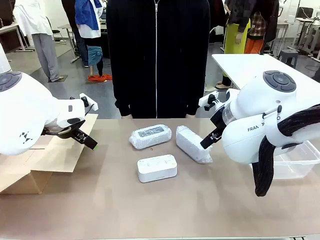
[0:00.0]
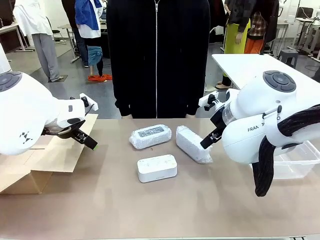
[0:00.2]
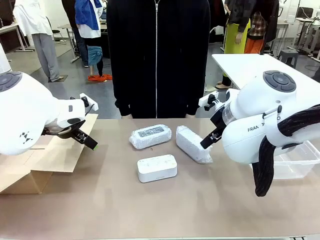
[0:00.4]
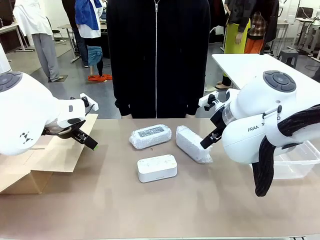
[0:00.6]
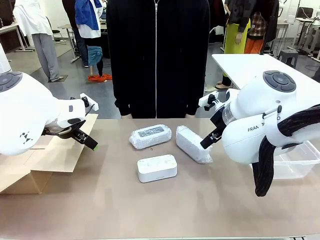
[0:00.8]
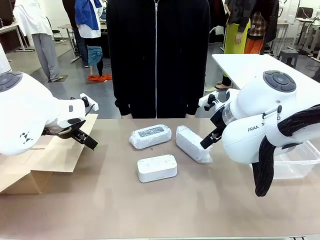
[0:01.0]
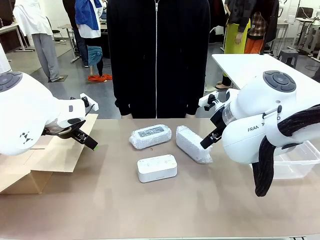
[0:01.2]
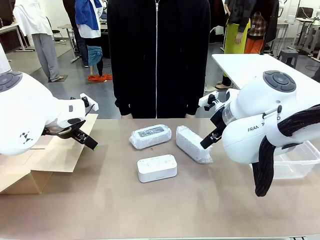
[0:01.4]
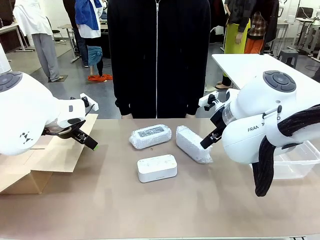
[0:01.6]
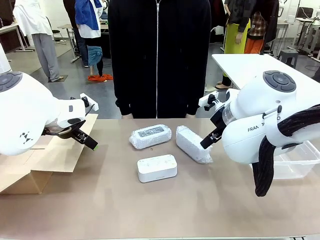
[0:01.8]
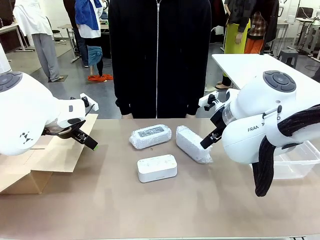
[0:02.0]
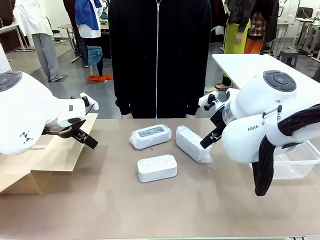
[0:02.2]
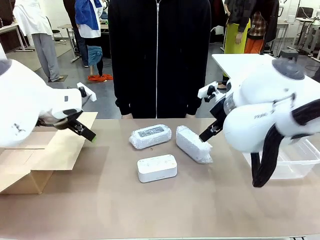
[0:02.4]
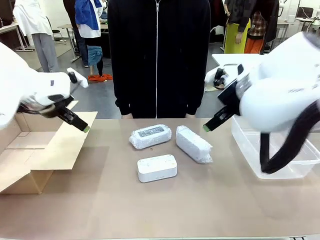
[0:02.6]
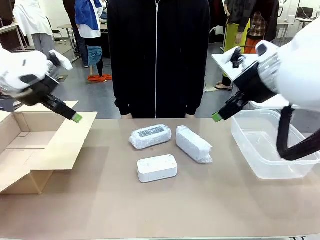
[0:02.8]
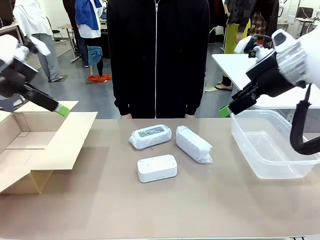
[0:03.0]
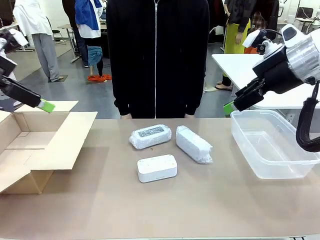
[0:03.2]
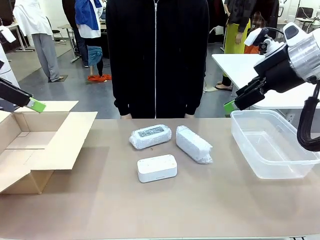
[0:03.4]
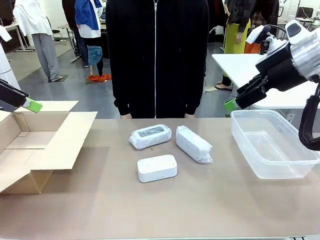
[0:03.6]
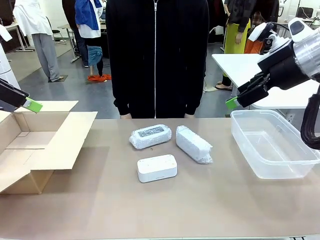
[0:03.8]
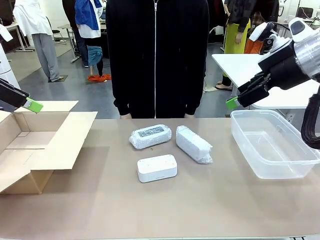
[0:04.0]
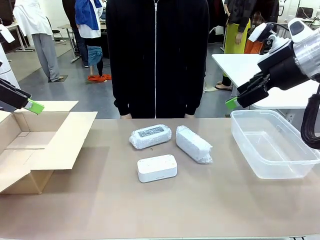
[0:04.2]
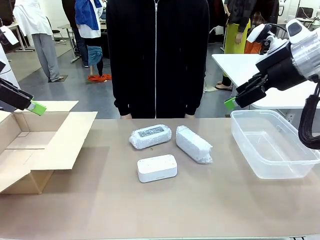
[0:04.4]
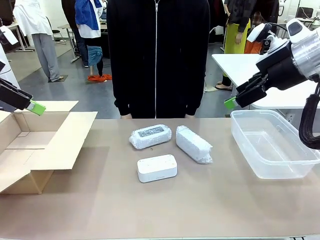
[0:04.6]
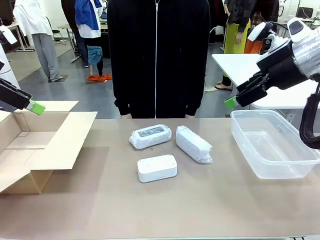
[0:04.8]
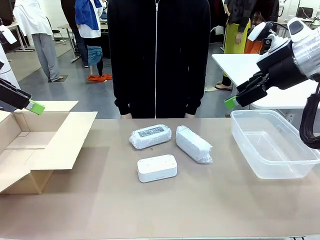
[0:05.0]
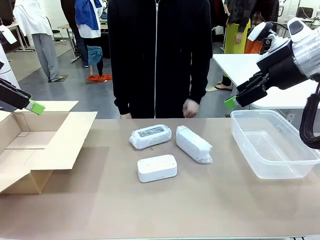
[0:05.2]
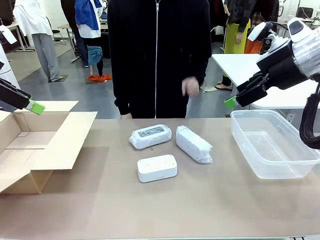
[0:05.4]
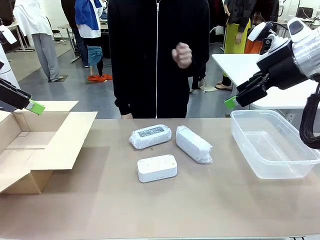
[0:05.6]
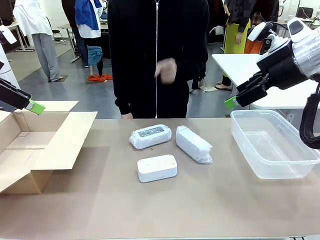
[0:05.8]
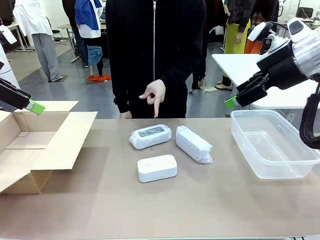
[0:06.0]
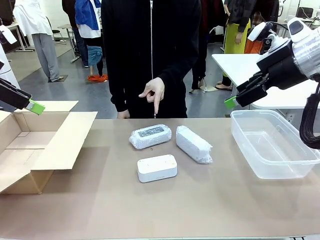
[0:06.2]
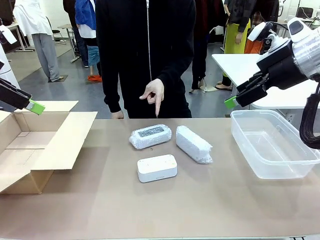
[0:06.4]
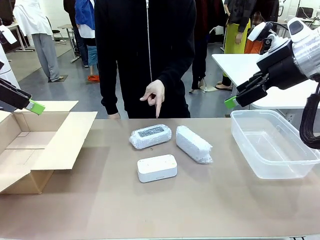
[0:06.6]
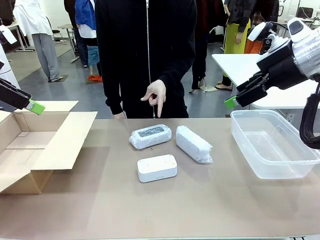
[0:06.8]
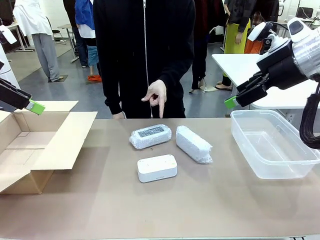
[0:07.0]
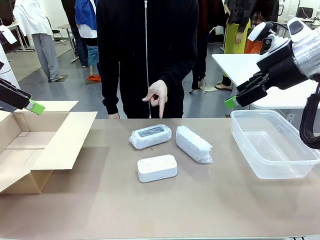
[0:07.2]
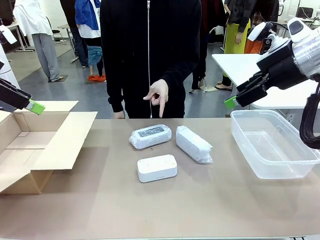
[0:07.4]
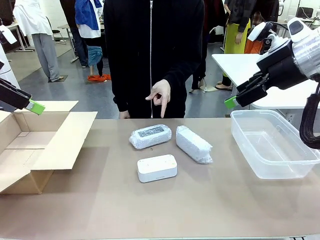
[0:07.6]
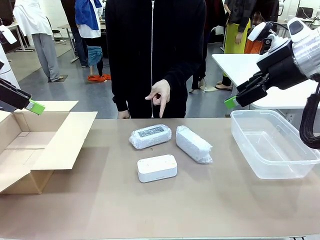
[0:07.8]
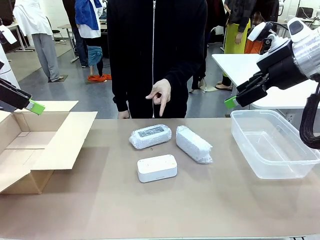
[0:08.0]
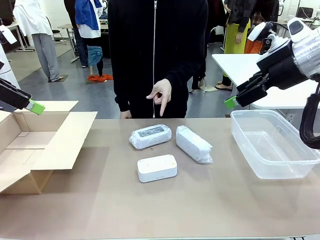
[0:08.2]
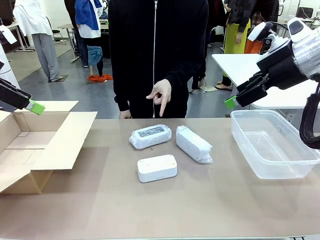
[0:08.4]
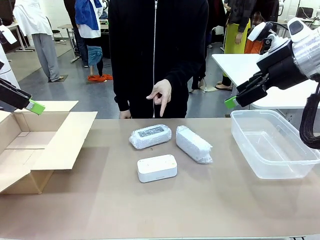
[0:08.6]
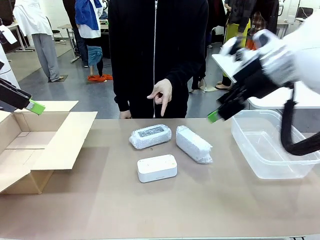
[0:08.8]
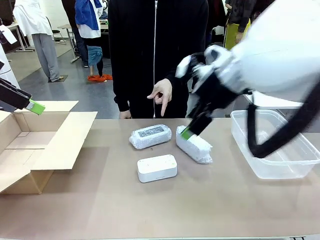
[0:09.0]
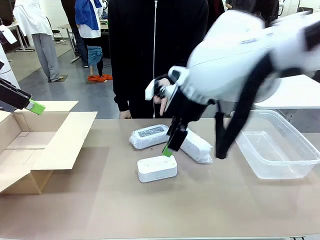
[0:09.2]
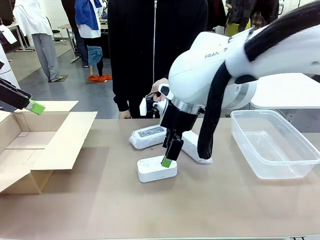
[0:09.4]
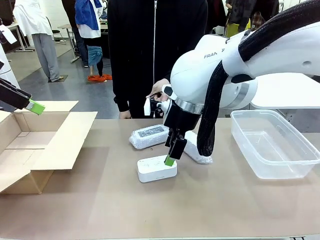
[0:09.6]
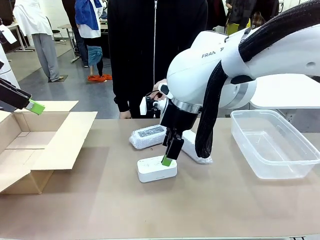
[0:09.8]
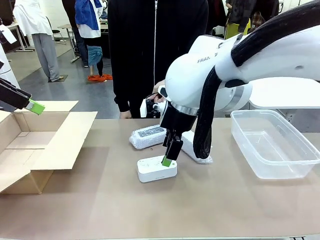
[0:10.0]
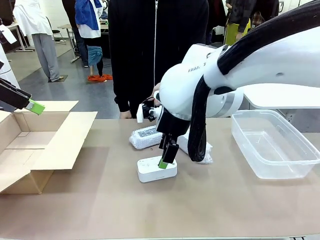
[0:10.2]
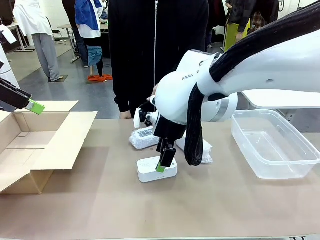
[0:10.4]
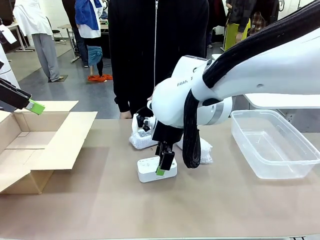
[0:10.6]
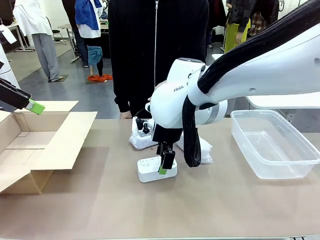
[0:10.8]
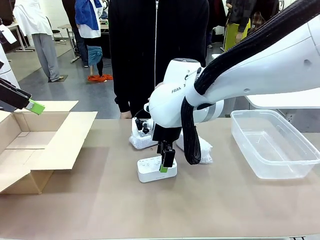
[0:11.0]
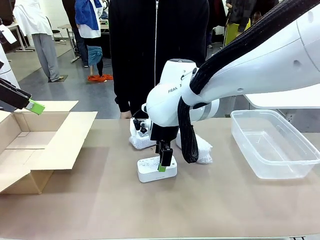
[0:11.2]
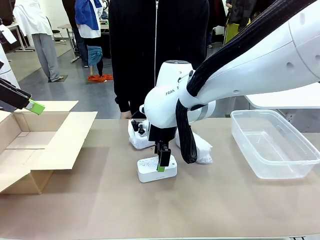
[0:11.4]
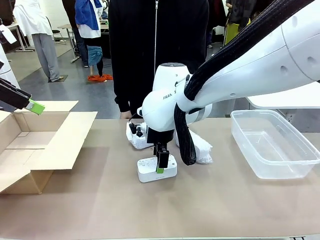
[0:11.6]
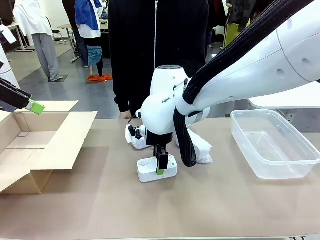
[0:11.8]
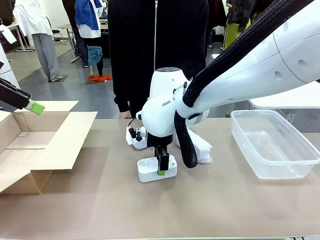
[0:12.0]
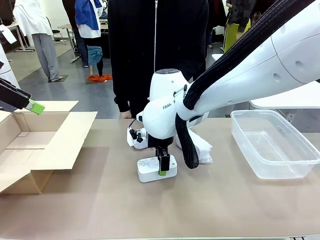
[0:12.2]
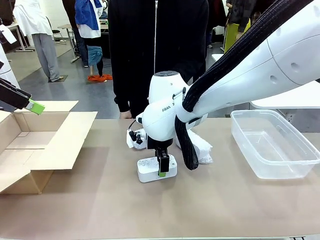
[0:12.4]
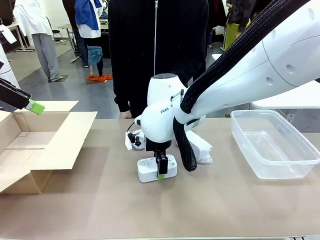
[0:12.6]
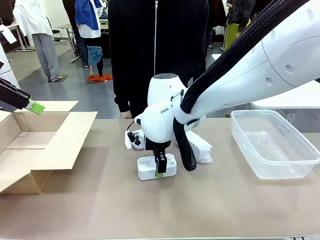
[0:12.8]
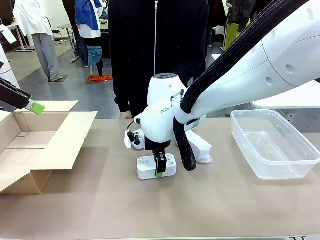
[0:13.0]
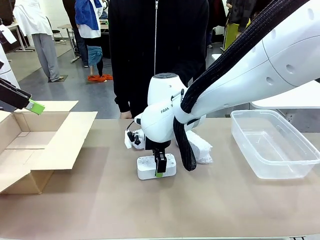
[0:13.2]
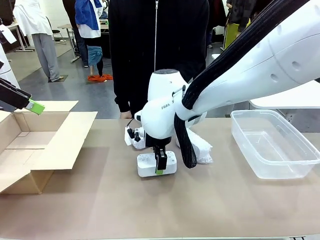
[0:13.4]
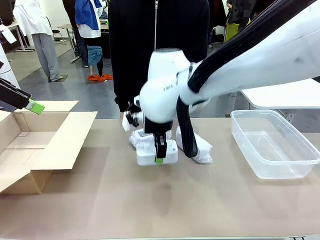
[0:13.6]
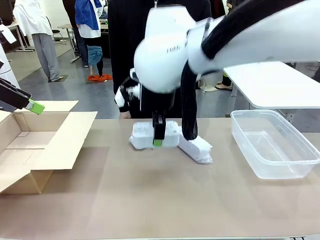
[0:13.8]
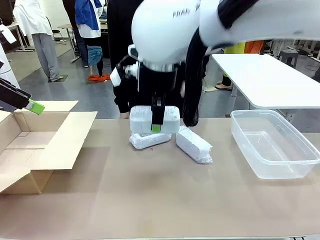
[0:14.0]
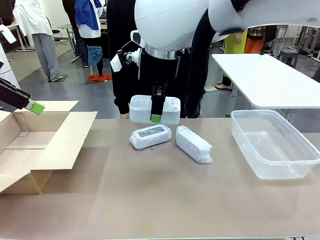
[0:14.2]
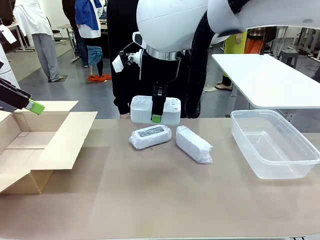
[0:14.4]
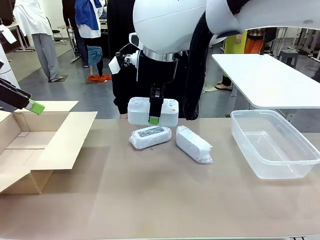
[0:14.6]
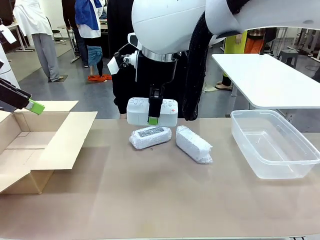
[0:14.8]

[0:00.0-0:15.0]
Task: Separate and place wrapped and unwrapped clocks.
Robot: Pick up the Digital clock indicated by the person.

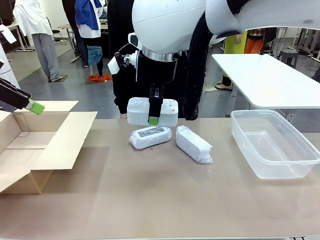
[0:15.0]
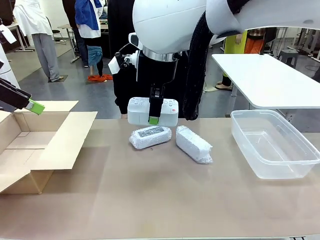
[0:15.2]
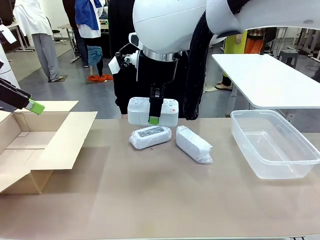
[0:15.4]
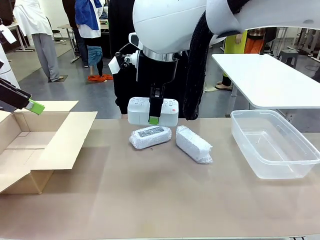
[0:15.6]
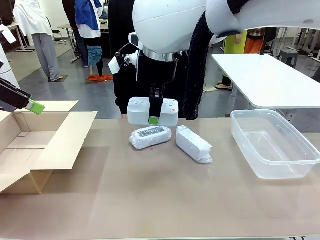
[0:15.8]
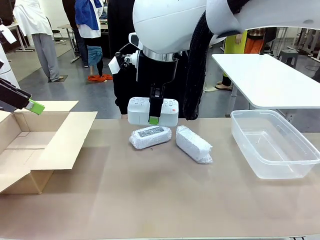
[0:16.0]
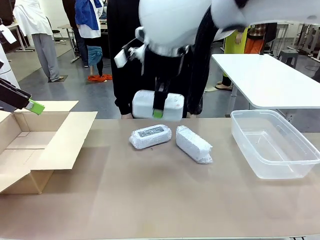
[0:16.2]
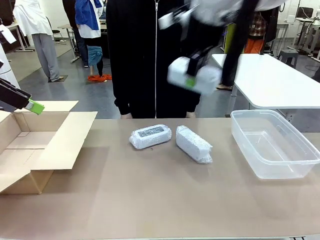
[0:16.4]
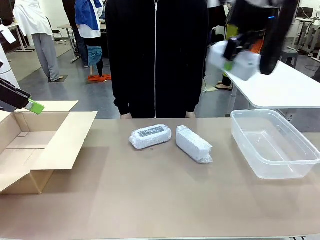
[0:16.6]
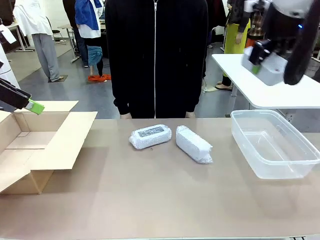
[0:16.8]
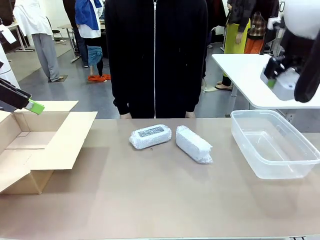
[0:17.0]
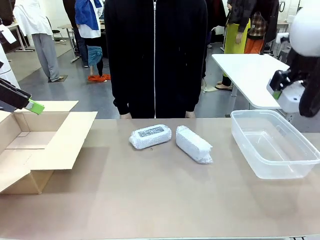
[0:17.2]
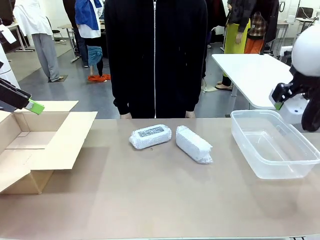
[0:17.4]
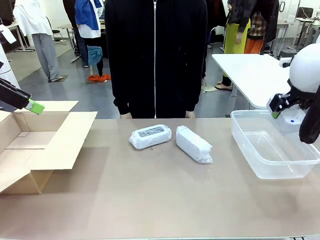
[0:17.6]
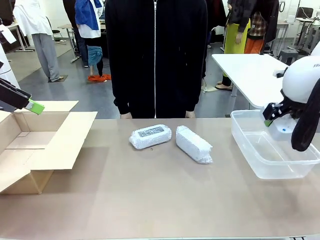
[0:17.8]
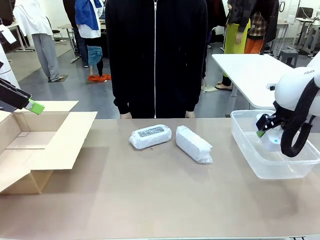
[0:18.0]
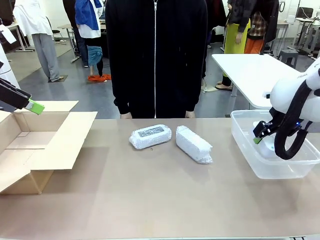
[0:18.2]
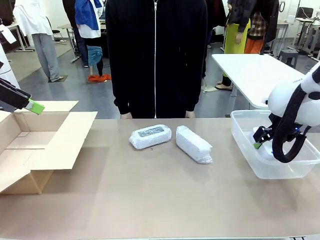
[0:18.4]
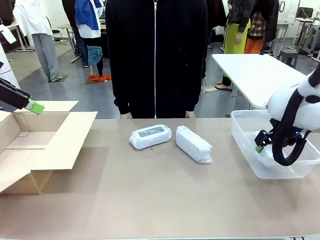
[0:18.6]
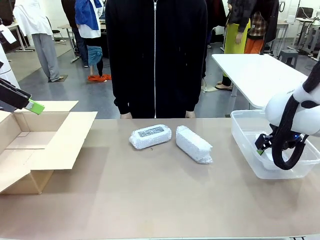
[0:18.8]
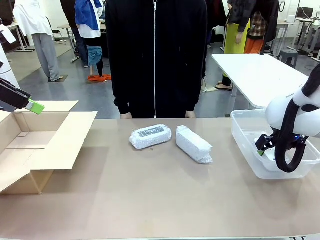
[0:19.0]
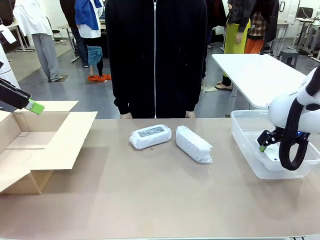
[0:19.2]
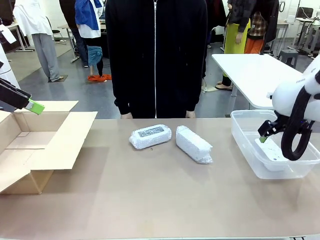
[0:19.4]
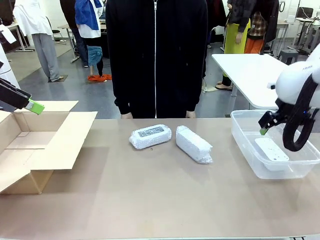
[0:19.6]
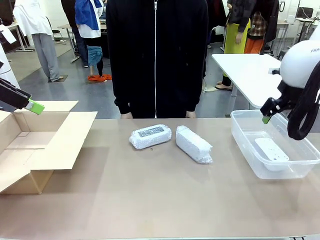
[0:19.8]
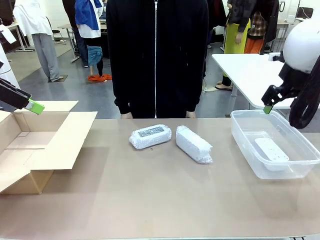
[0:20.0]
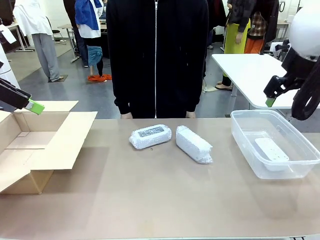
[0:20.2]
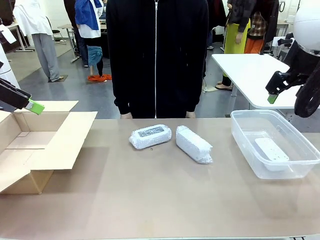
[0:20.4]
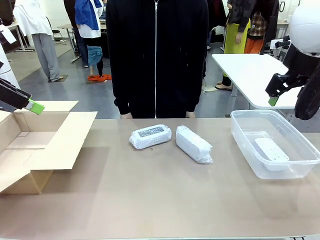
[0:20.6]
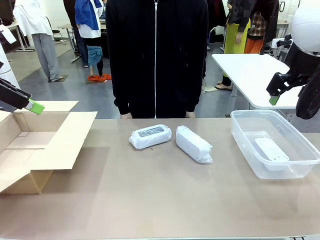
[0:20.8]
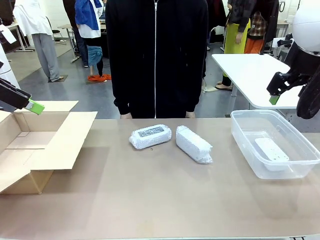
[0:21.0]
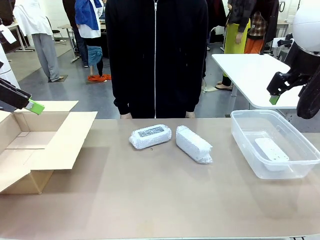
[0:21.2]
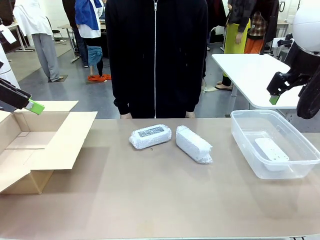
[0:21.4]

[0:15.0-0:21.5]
Robot: If the picked Digital clock is wrapped, place it in the Package Box ; if not, place it in the Organizing box.
